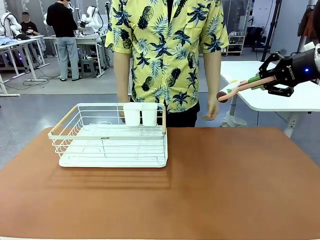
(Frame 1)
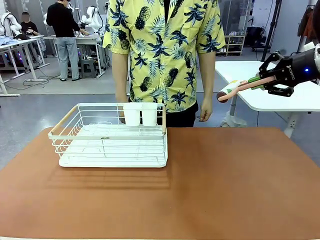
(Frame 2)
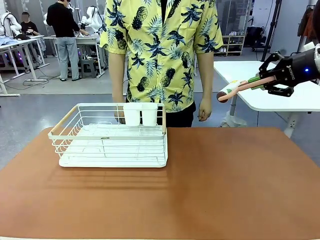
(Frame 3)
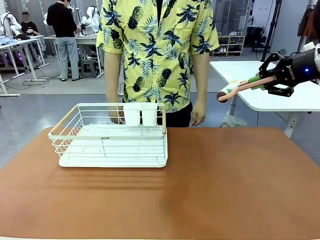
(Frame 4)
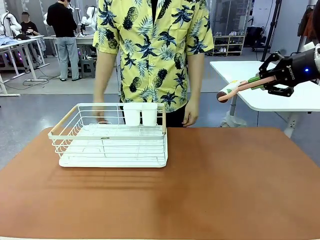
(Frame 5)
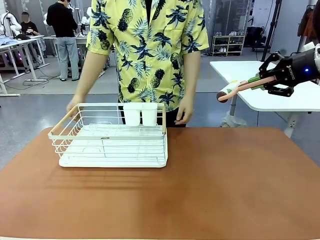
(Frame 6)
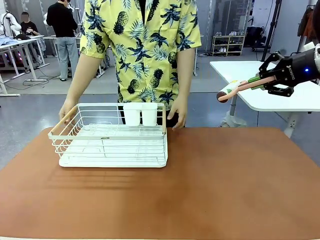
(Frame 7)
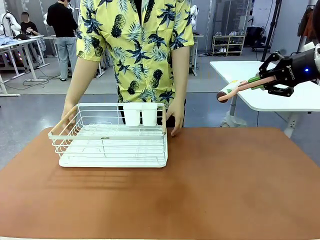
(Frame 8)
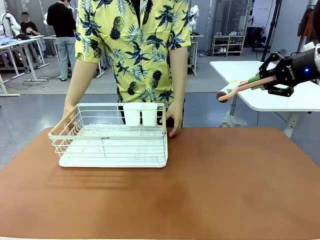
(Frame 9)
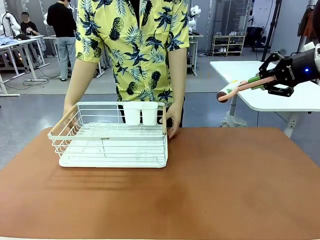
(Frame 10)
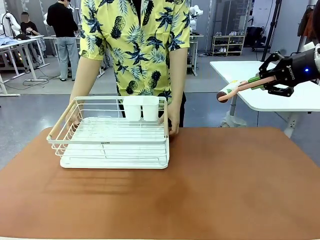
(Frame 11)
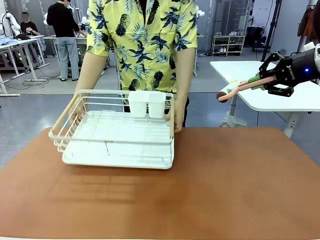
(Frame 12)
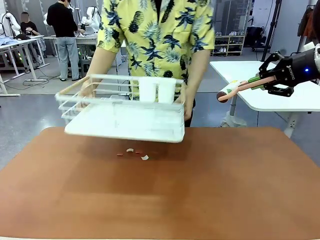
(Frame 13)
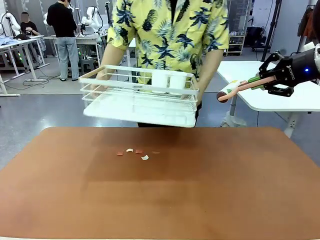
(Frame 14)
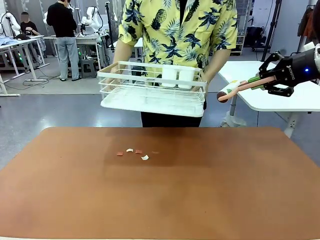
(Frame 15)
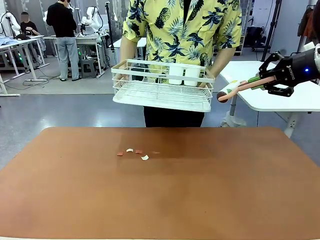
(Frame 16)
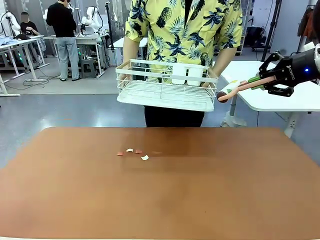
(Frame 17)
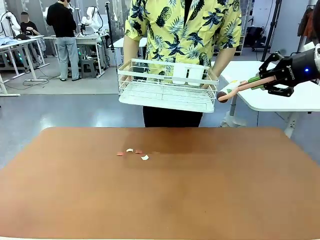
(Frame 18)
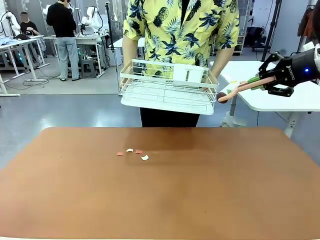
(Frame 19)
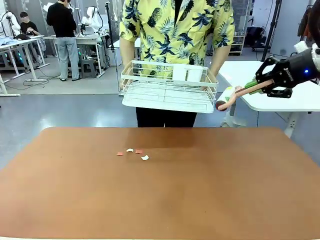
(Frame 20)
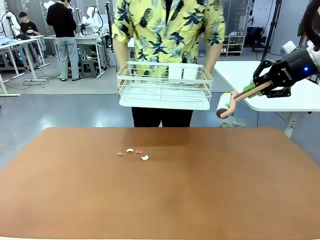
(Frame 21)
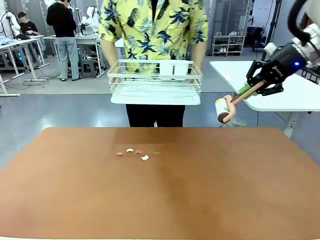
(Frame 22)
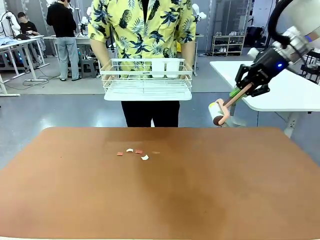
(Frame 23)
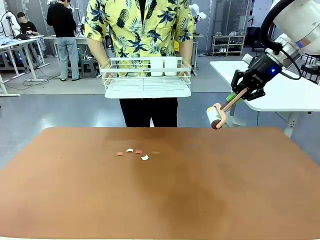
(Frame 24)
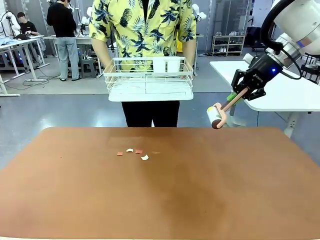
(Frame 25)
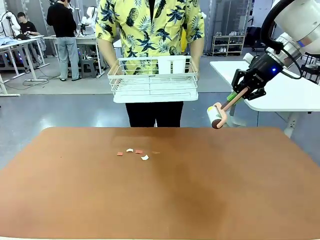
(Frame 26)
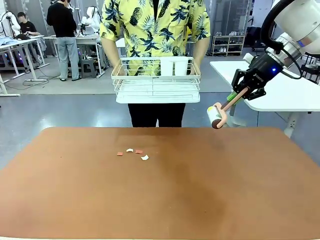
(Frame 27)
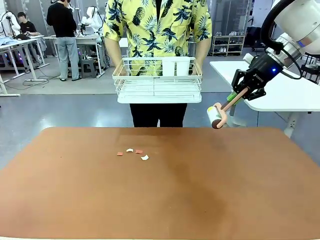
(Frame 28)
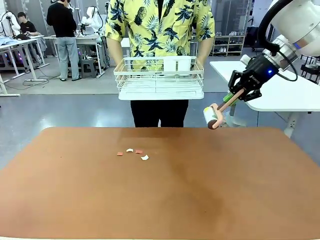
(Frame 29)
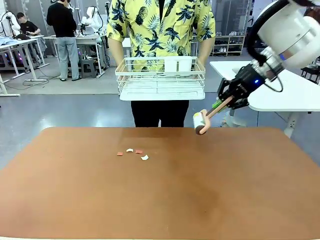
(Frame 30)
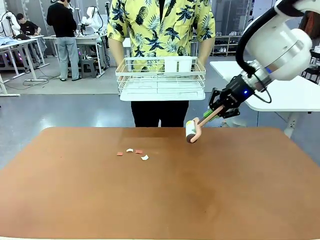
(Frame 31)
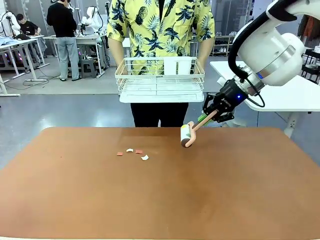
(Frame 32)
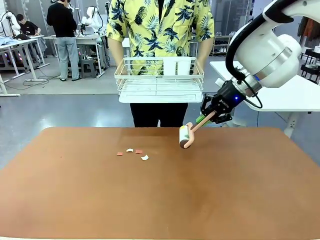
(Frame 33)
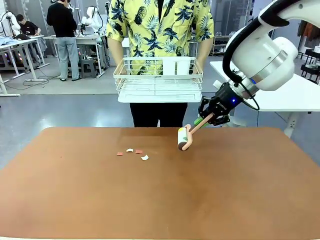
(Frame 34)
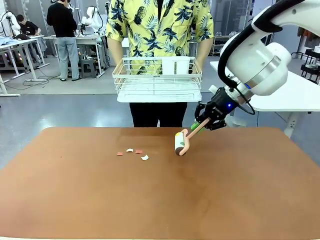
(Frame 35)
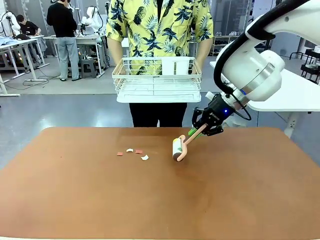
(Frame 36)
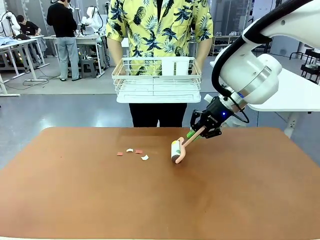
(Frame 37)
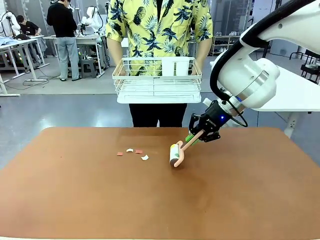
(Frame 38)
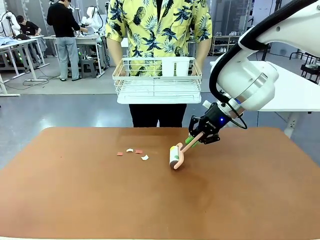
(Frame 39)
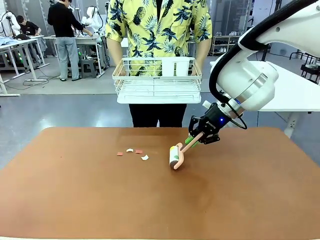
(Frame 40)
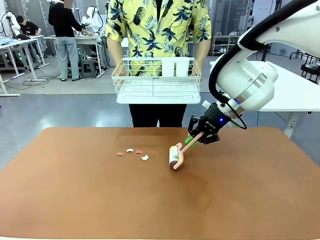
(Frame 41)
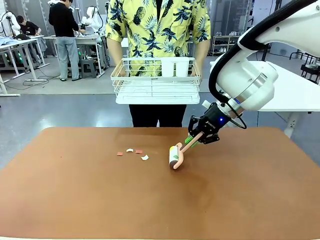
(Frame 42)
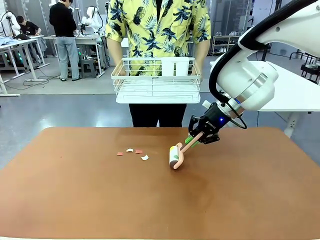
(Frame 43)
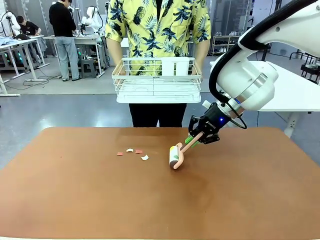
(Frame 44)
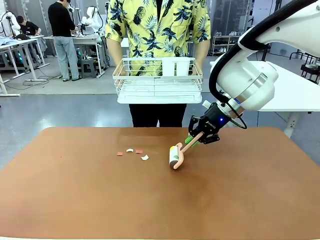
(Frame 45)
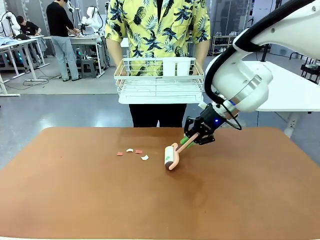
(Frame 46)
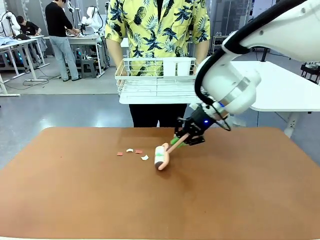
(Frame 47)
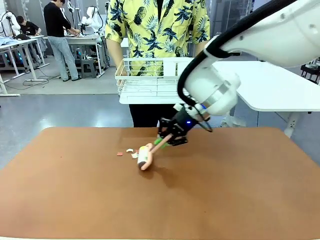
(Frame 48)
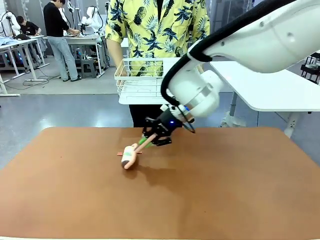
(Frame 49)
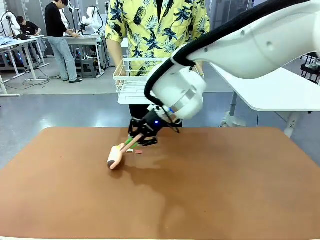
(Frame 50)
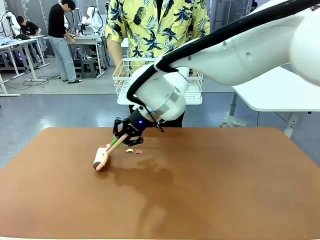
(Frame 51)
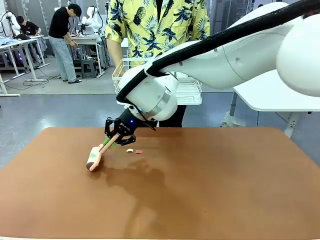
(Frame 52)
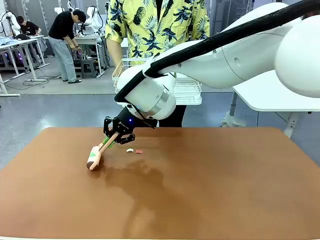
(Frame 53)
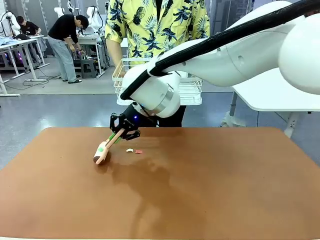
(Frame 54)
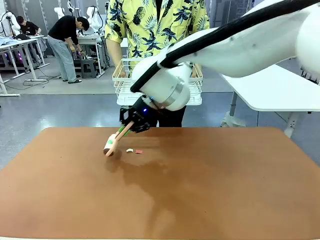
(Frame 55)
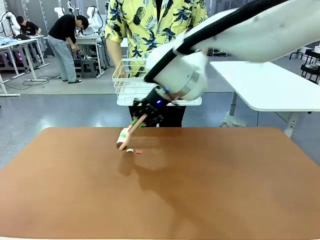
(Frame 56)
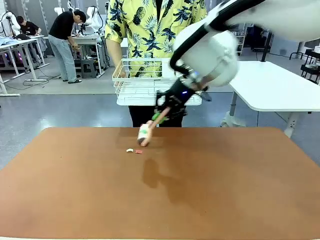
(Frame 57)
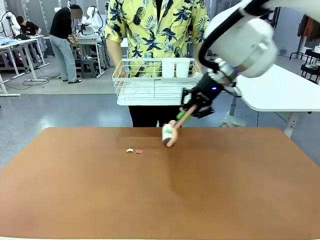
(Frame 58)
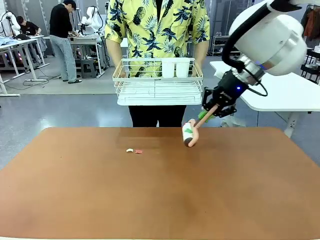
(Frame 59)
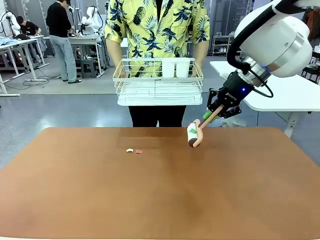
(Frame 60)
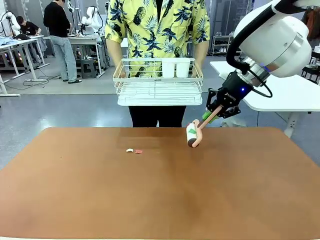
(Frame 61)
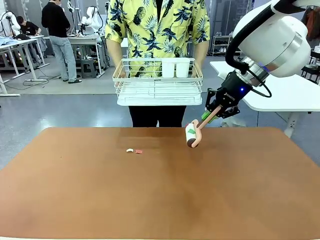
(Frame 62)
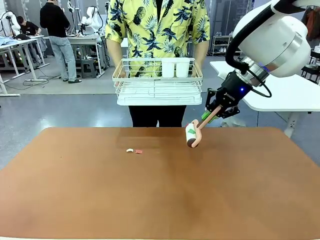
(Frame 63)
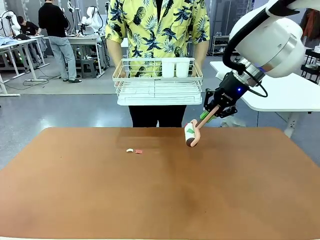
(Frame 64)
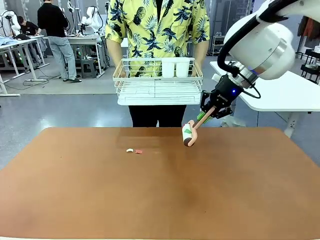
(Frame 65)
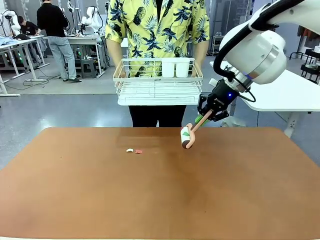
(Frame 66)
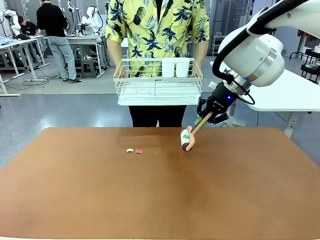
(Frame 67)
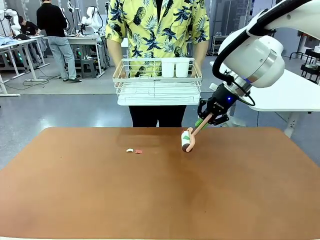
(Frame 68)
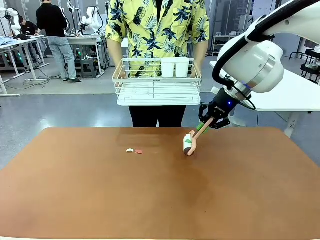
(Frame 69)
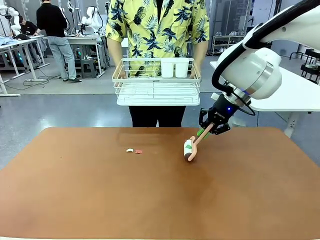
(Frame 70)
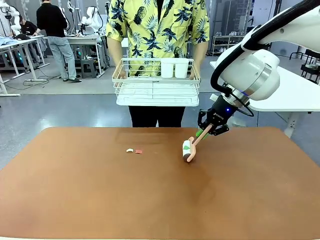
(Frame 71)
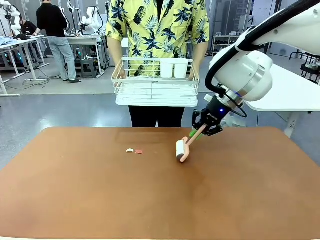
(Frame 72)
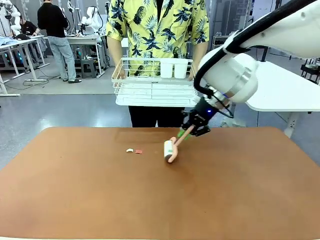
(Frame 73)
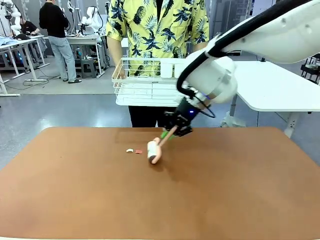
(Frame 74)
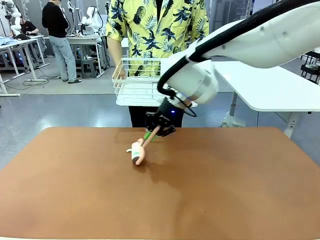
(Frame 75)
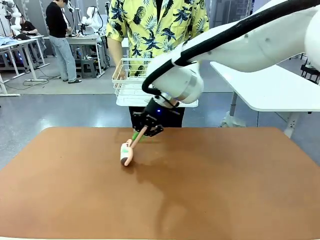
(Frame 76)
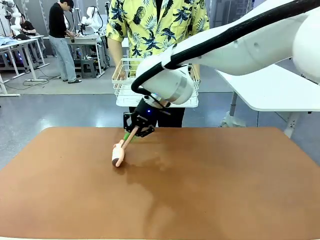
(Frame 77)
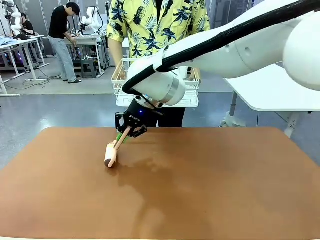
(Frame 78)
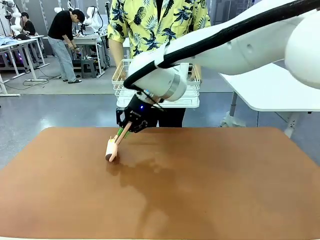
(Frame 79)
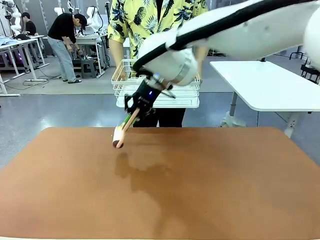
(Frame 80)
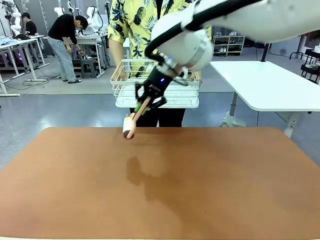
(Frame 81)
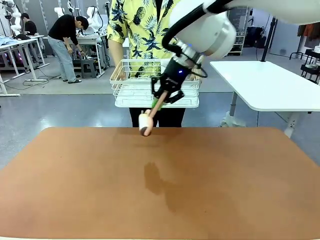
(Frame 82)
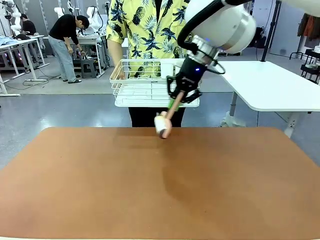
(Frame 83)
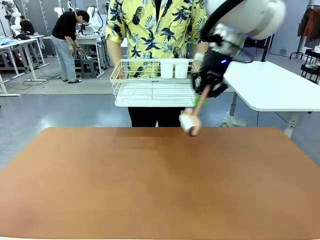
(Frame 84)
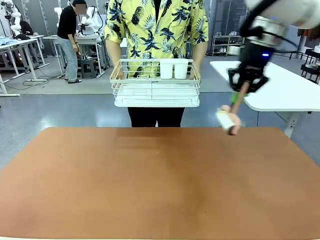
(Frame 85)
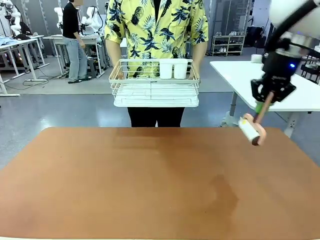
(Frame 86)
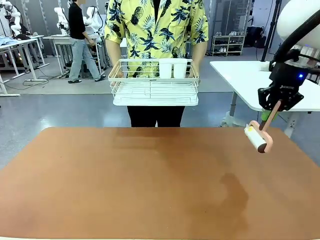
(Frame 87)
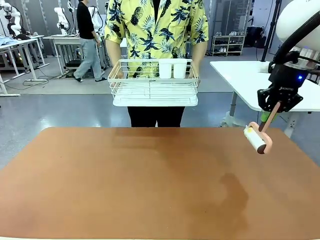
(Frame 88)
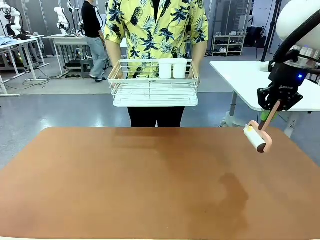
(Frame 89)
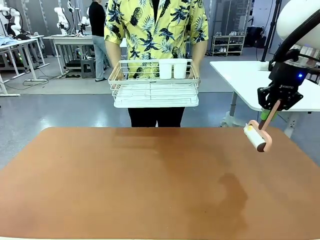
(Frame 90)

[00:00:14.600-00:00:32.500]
Task: Clean the table.
Robot: Clean the table with the Lint Roller when the human lifts the Dish drying rack.
Person: Place the Dish drying rack down when the robot finishes cleaning.
